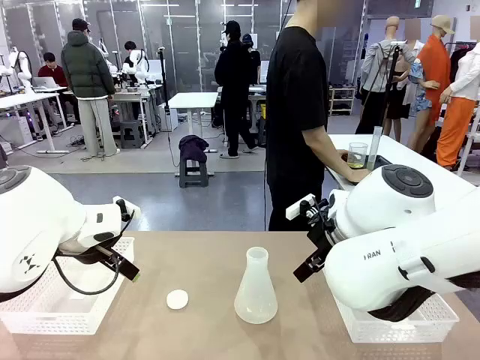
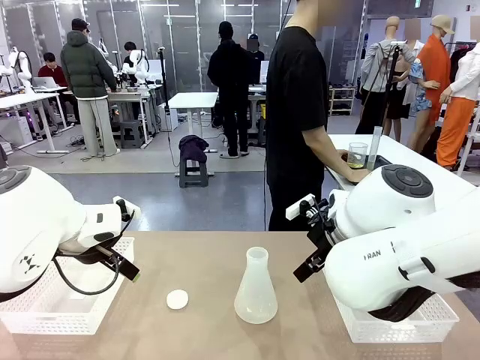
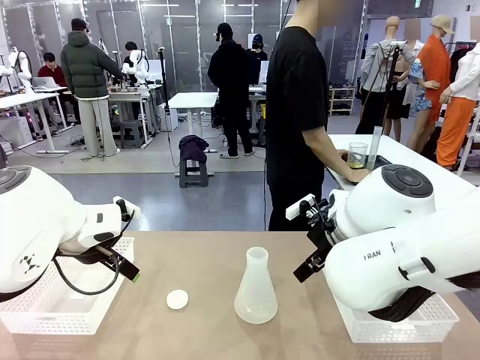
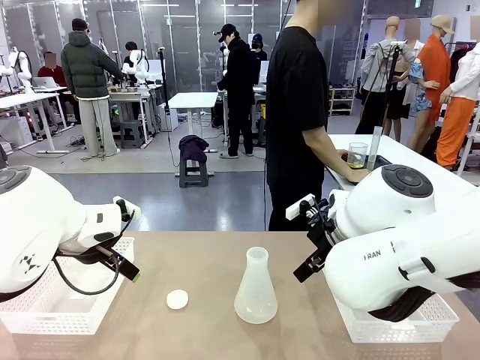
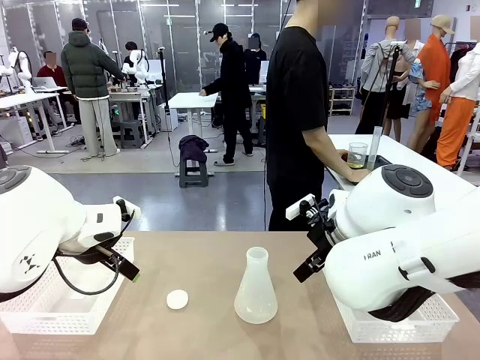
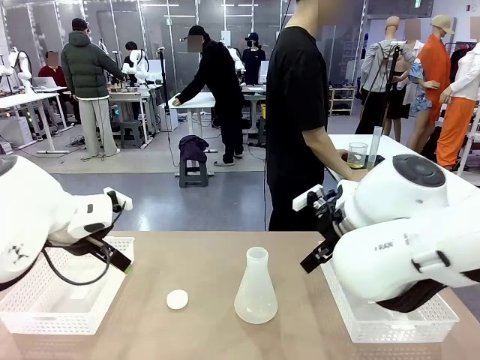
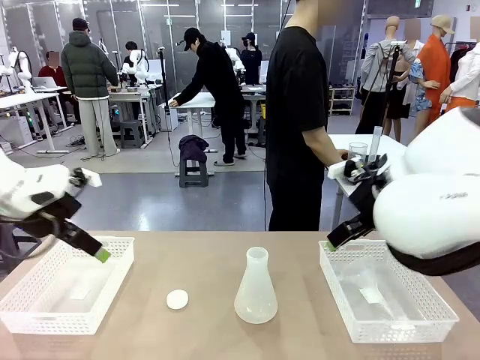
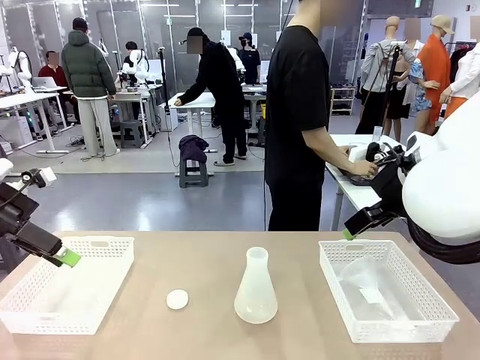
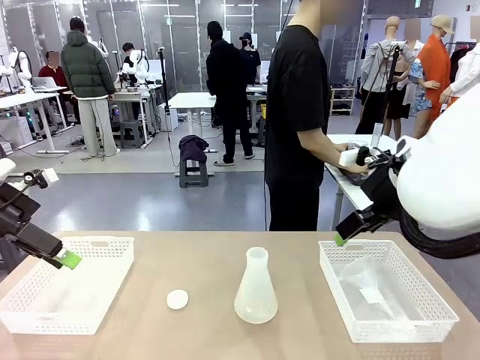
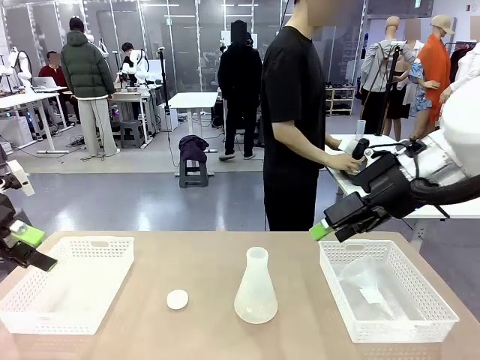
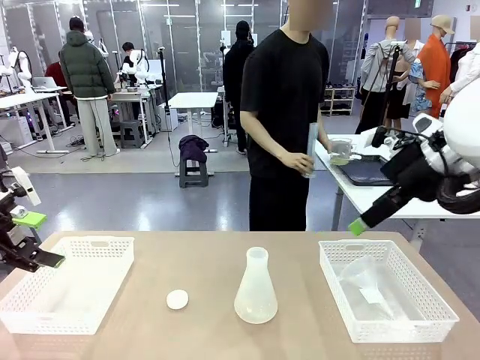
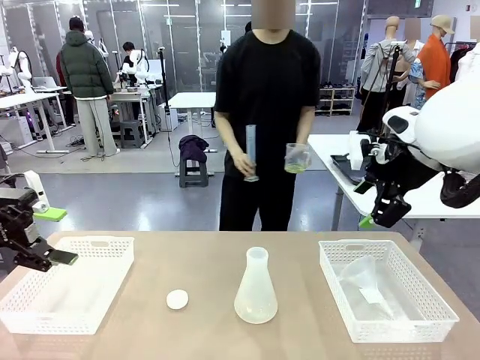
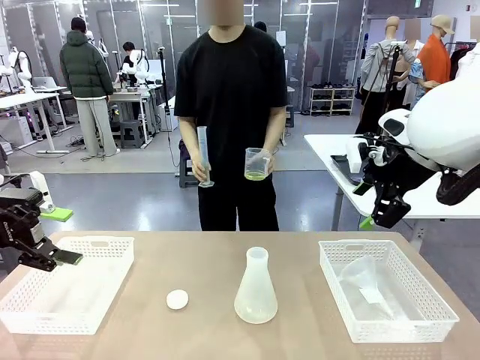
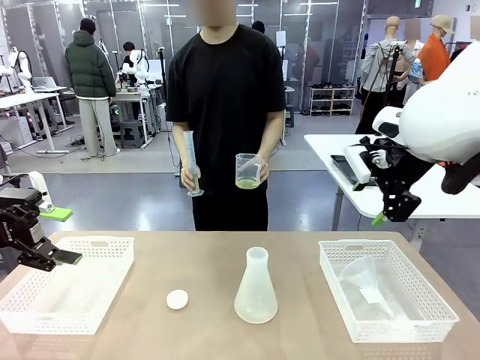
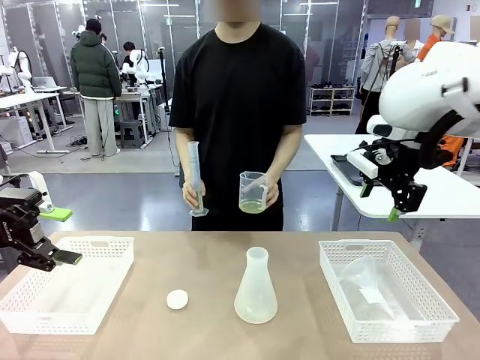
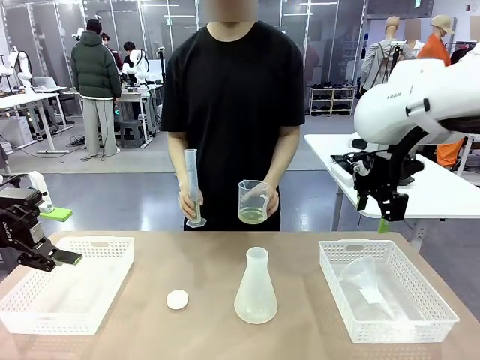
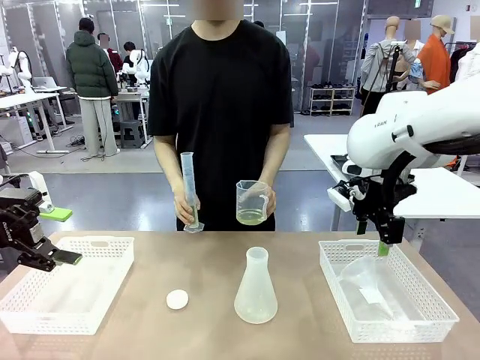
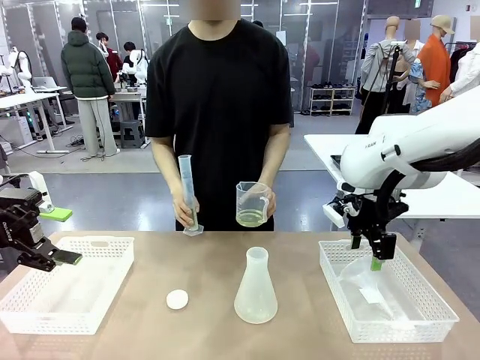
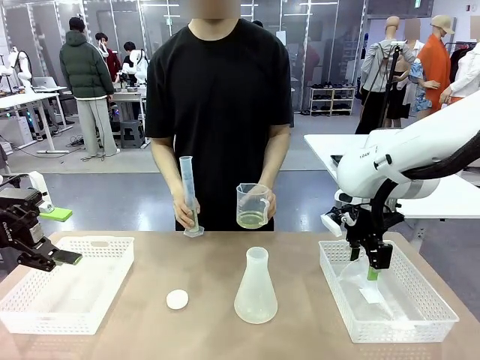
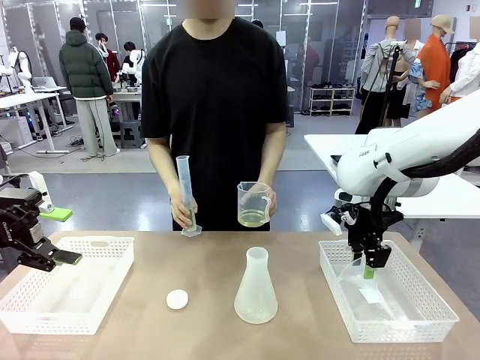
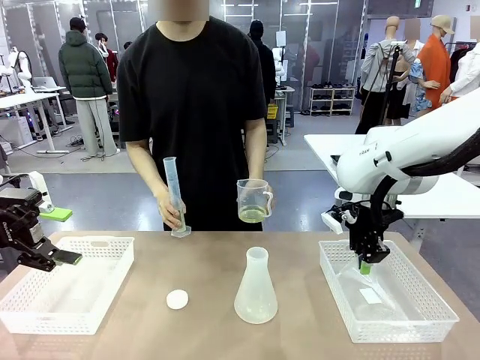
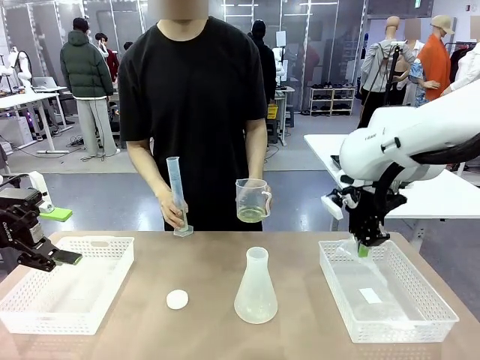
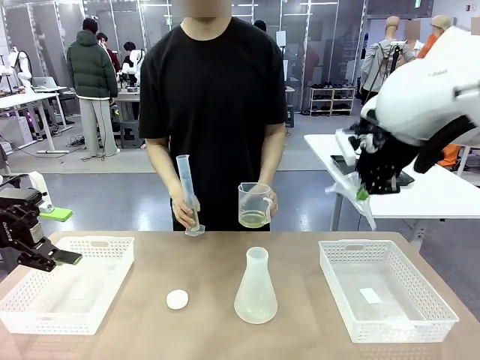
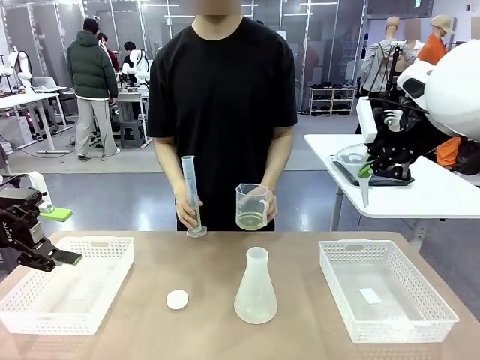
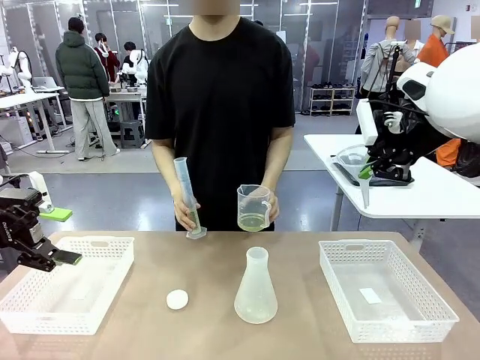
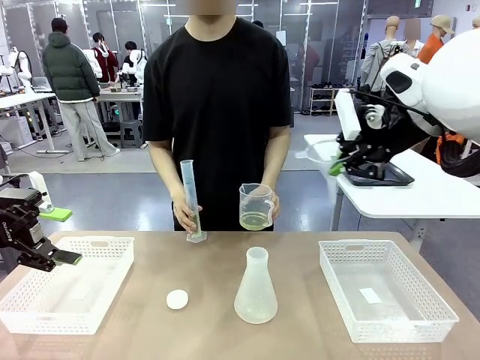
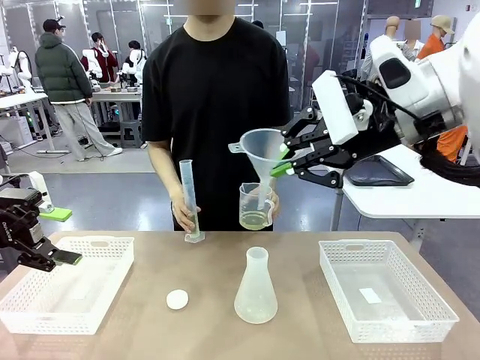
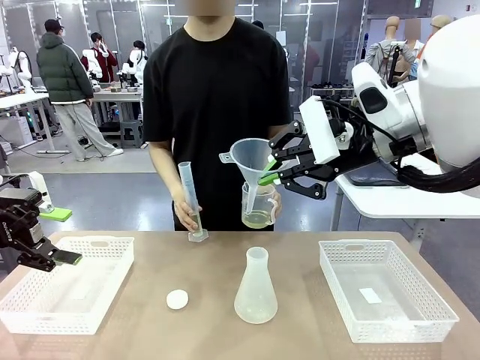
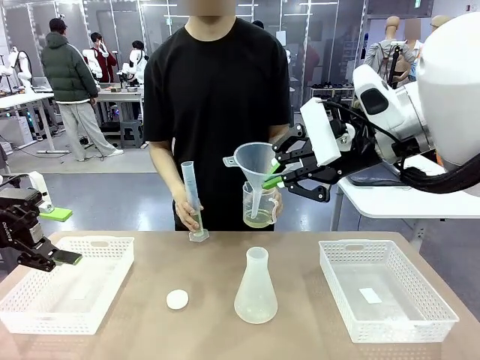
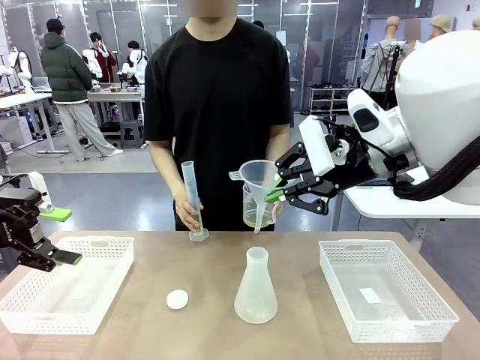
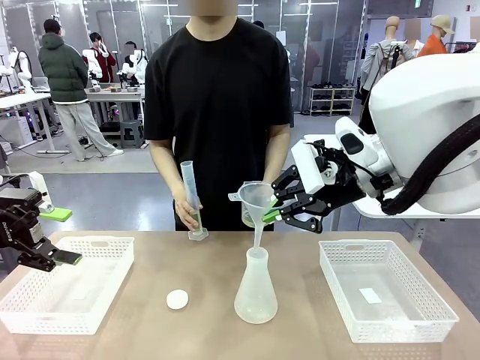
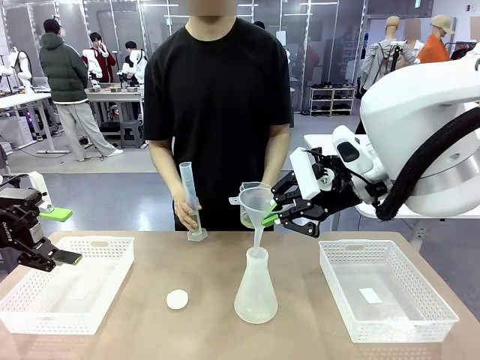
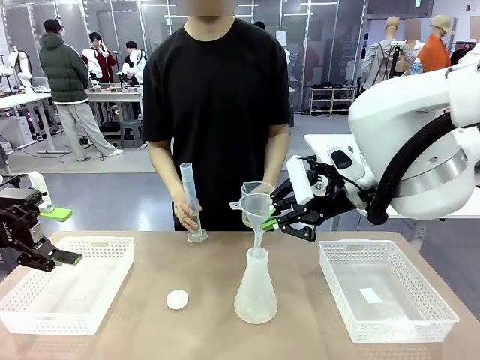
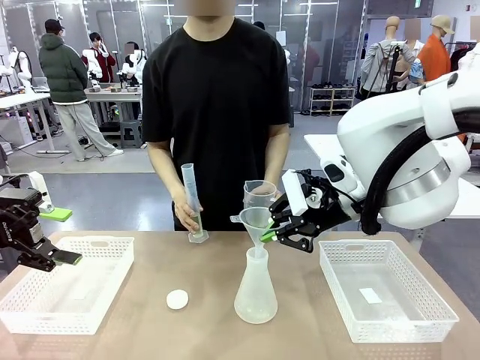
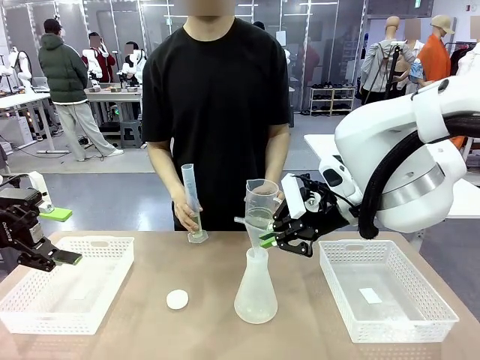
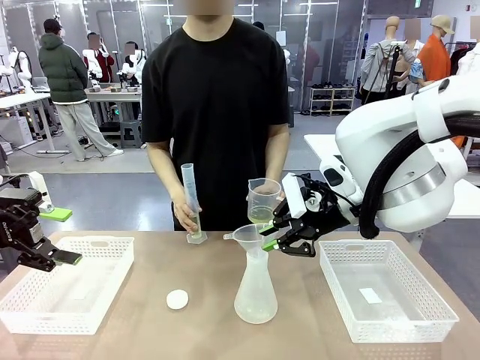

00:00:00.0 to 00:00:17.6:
Task: Prepare the solutions needed for the experiment.
Robot: Pick up the Plastic Funnel and insert it into the Big flask.
Person: Pick up the beaker and the cylinder and move to the middle of the robot table.

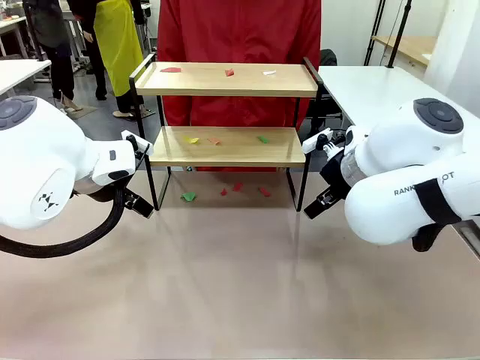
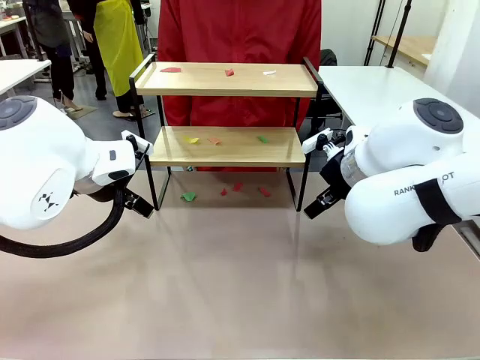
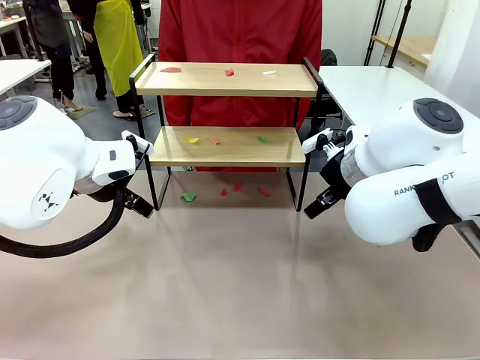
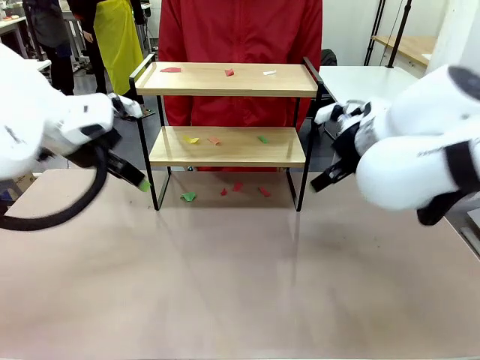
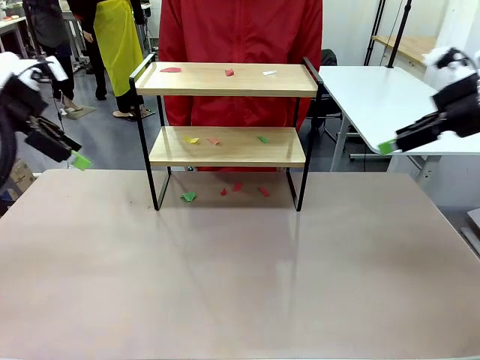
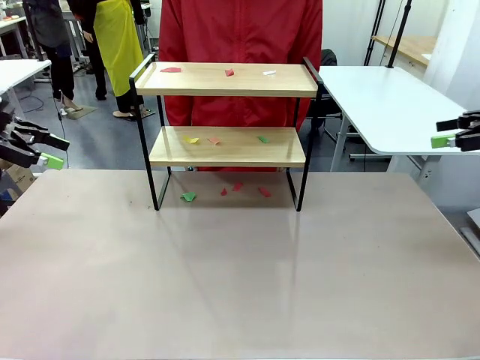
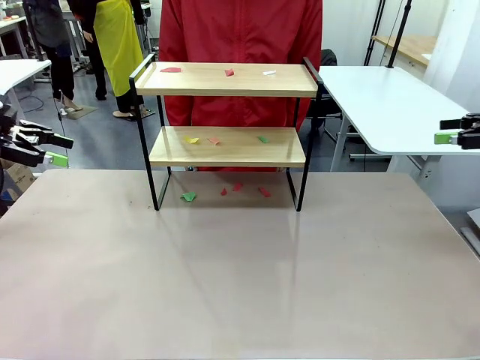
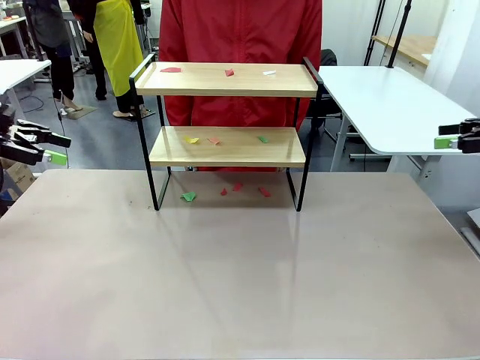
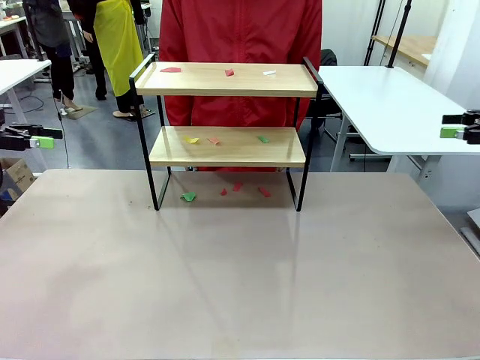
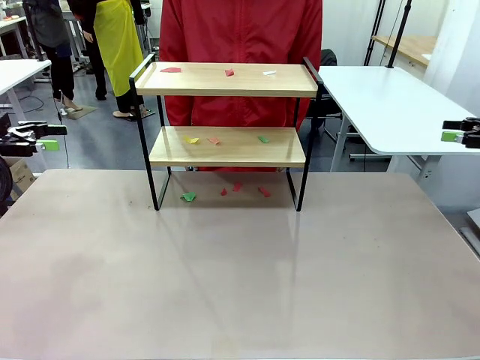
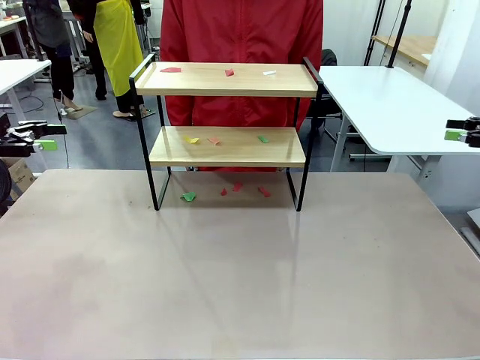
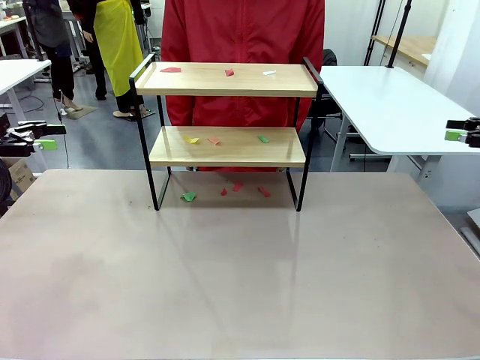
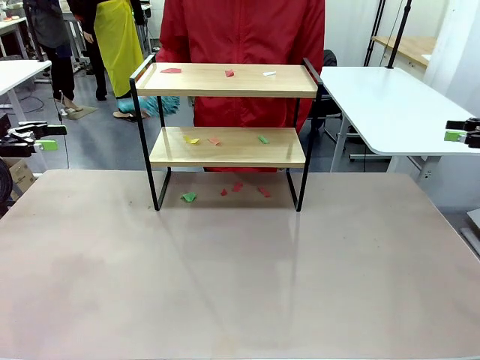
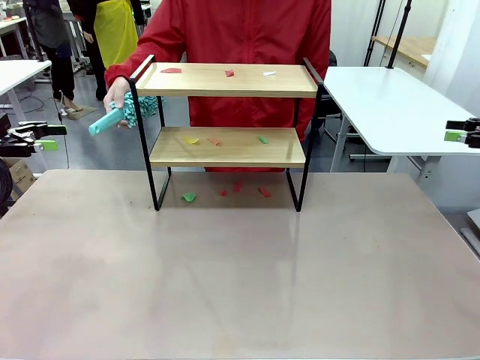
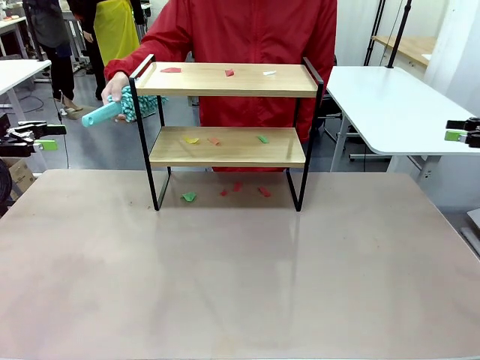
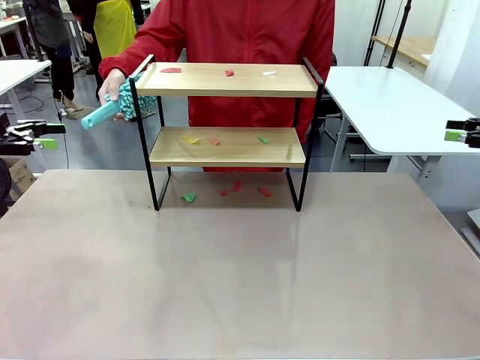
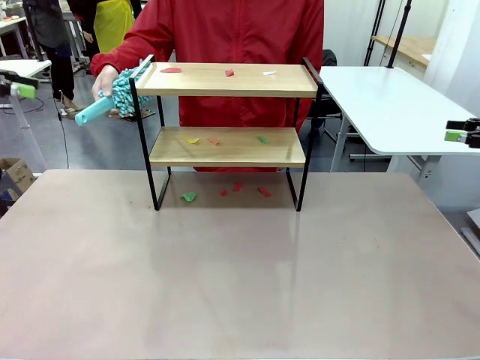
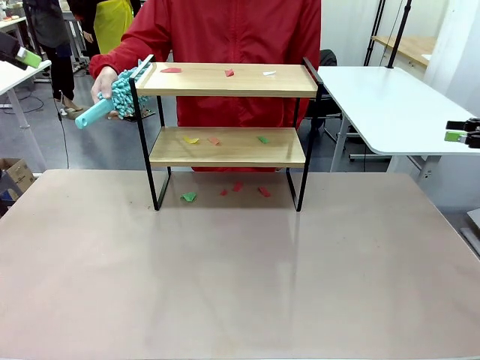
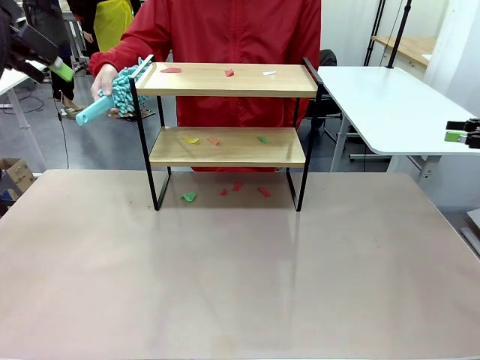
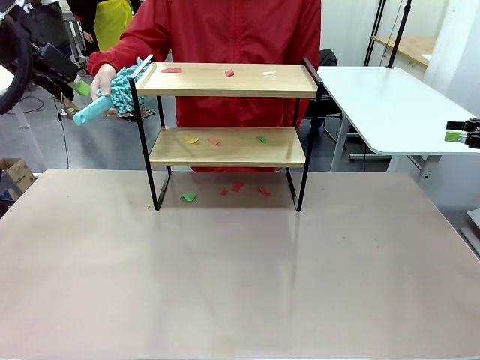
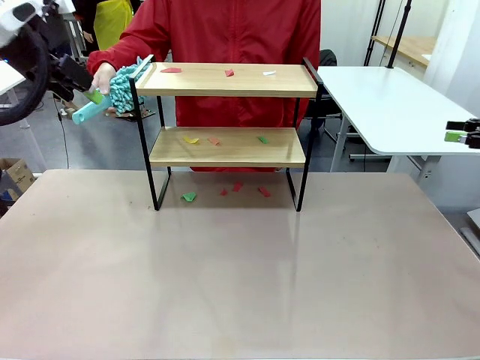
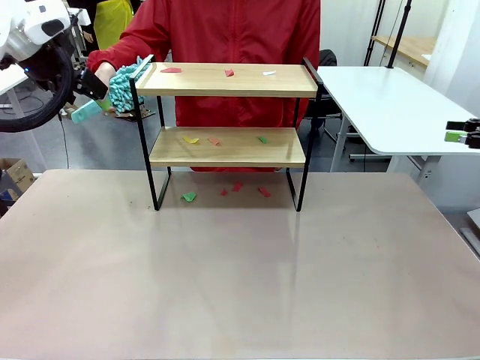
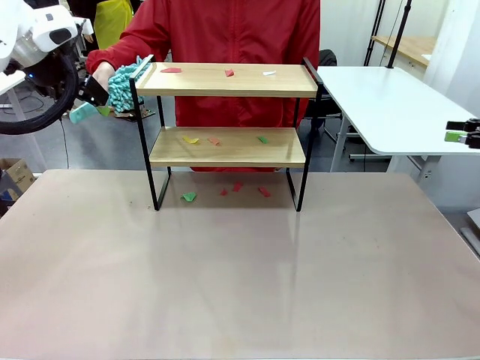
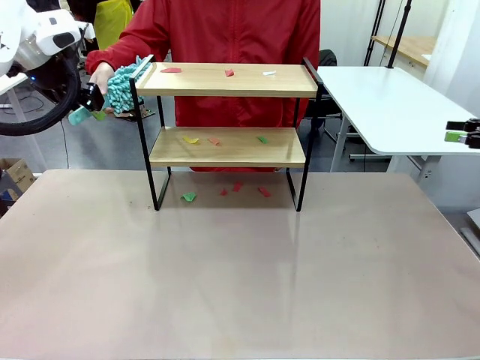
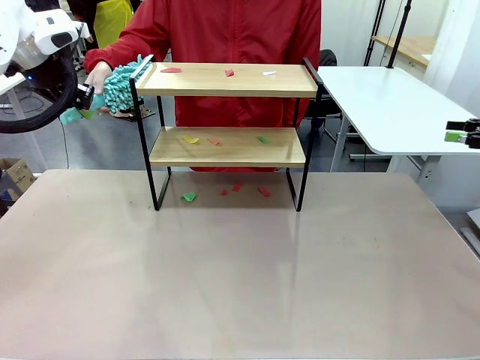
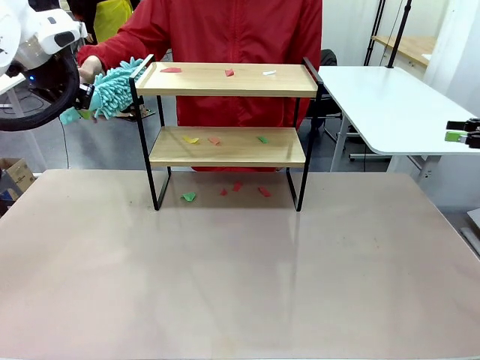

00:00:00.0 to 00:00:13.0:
Task: Clean the shelf.
Robot: Pick up the Duster handed by the human.
Person: Hand the Duster to the robot.
